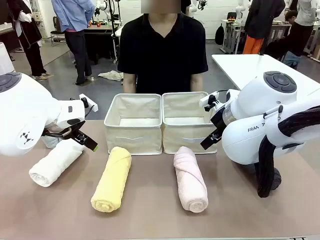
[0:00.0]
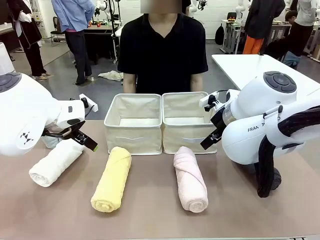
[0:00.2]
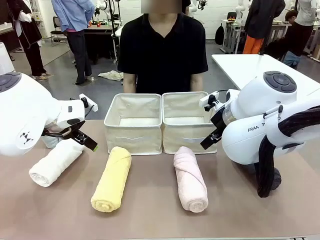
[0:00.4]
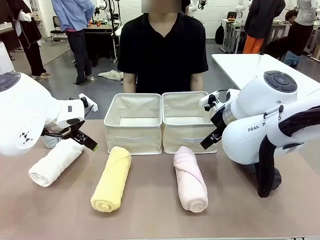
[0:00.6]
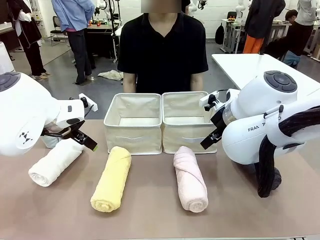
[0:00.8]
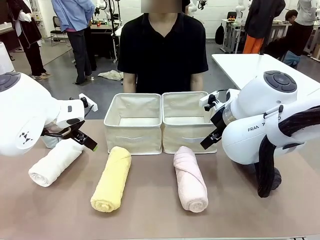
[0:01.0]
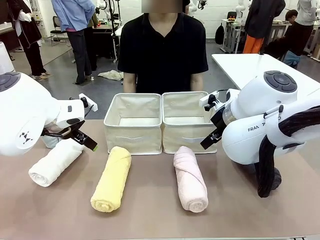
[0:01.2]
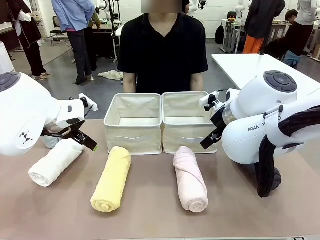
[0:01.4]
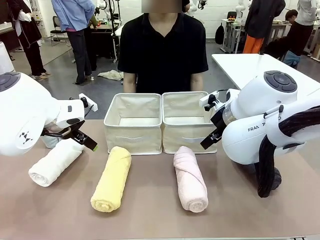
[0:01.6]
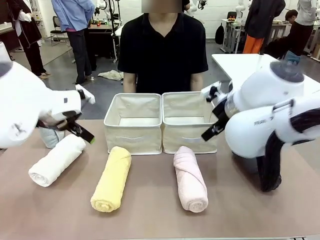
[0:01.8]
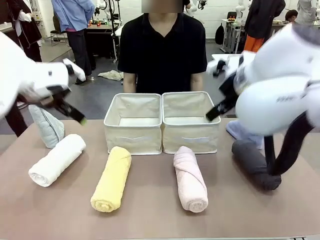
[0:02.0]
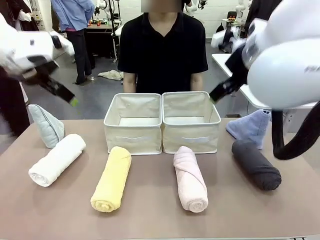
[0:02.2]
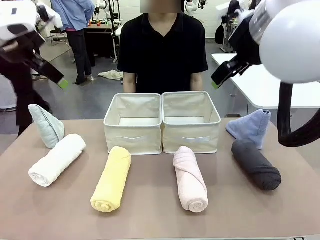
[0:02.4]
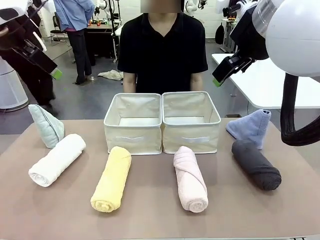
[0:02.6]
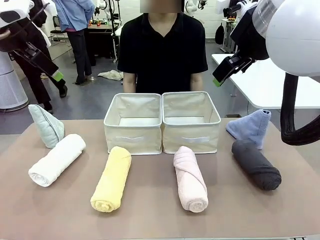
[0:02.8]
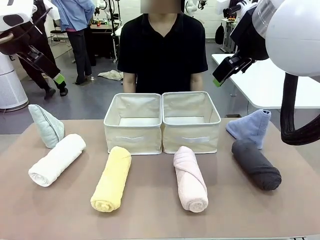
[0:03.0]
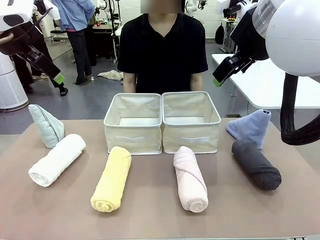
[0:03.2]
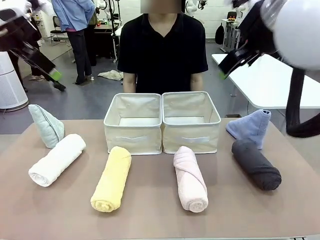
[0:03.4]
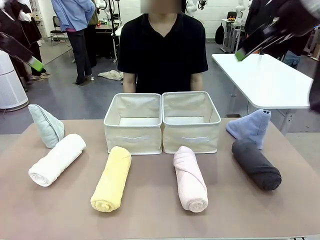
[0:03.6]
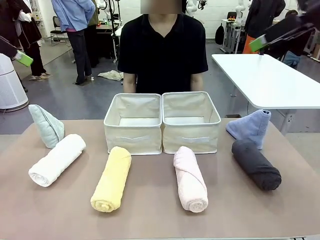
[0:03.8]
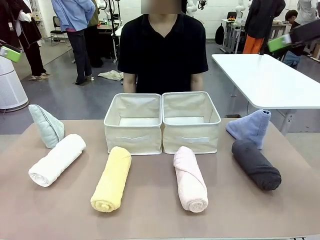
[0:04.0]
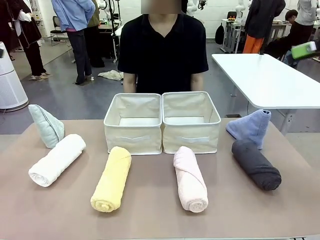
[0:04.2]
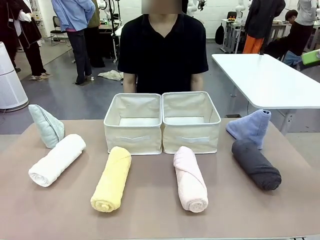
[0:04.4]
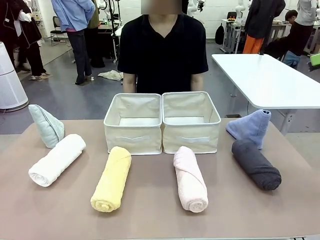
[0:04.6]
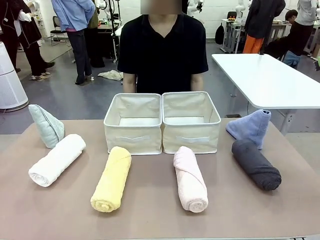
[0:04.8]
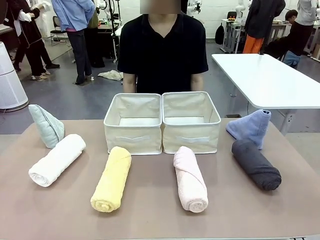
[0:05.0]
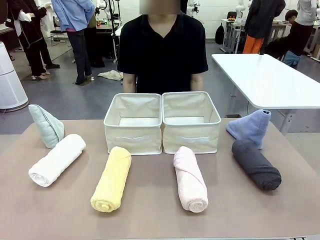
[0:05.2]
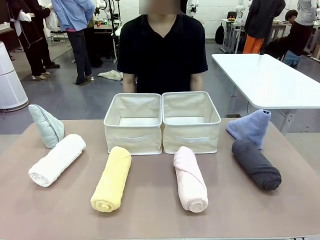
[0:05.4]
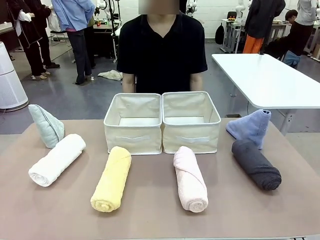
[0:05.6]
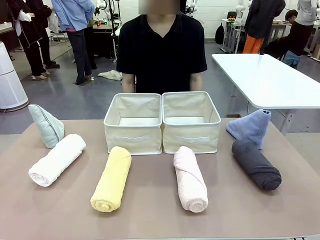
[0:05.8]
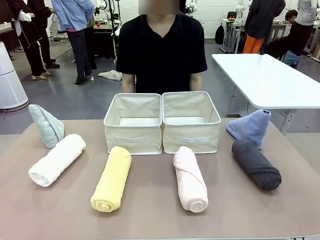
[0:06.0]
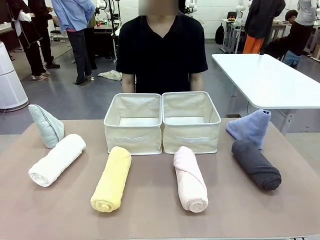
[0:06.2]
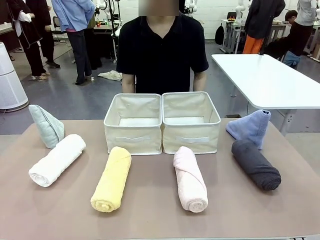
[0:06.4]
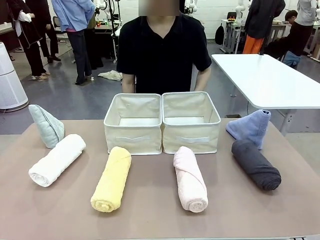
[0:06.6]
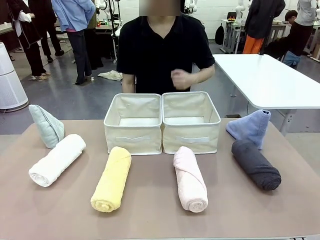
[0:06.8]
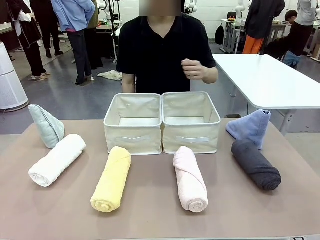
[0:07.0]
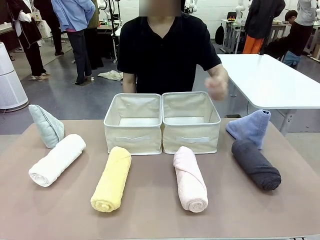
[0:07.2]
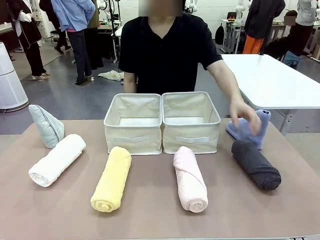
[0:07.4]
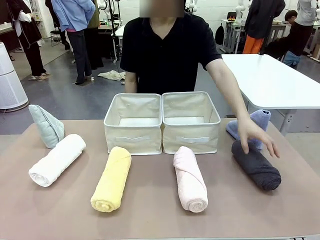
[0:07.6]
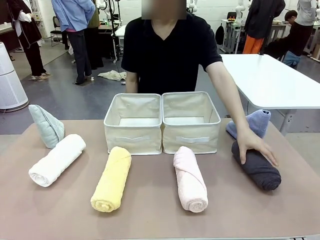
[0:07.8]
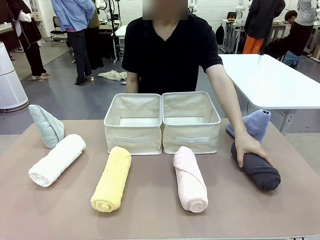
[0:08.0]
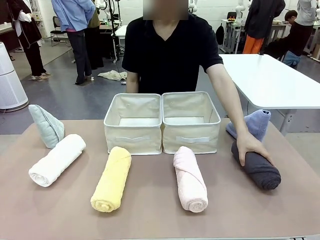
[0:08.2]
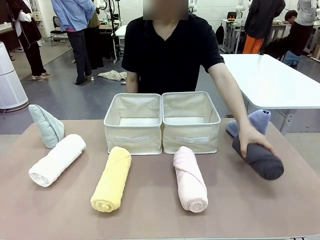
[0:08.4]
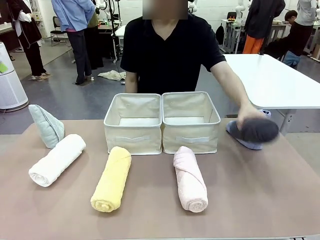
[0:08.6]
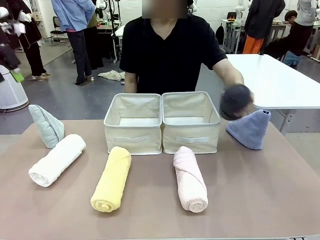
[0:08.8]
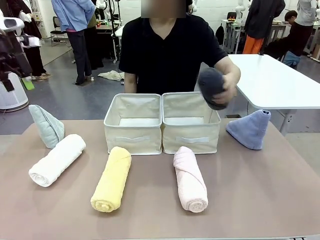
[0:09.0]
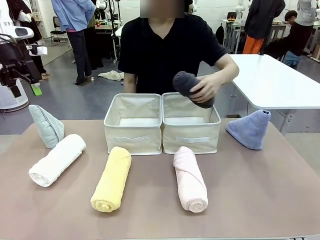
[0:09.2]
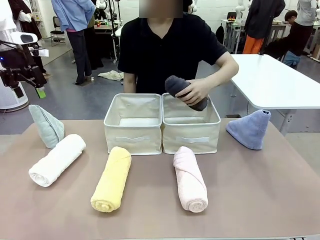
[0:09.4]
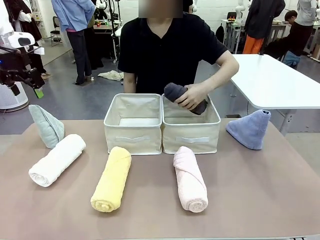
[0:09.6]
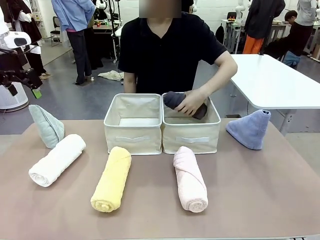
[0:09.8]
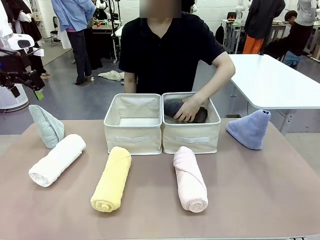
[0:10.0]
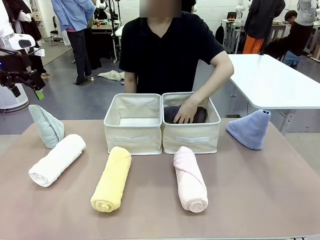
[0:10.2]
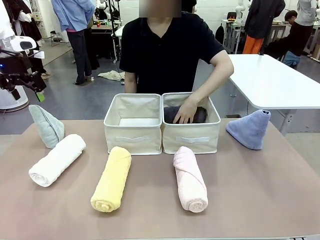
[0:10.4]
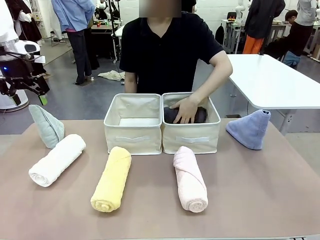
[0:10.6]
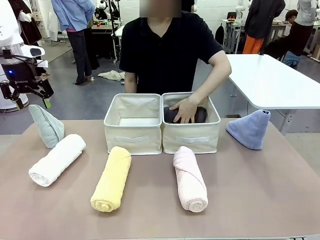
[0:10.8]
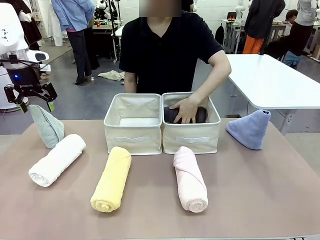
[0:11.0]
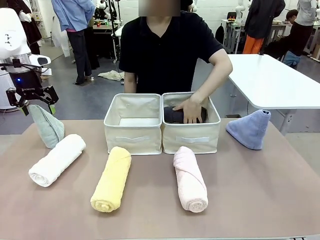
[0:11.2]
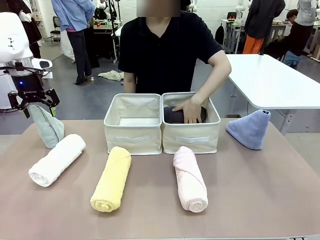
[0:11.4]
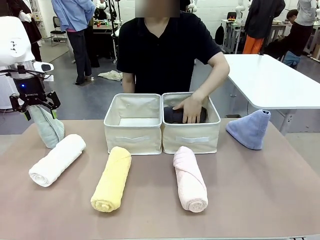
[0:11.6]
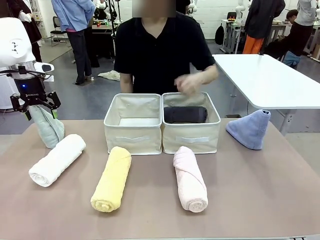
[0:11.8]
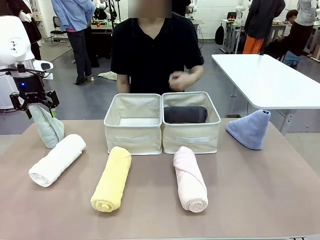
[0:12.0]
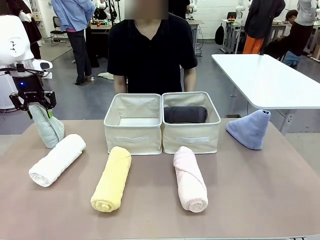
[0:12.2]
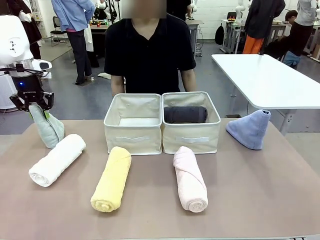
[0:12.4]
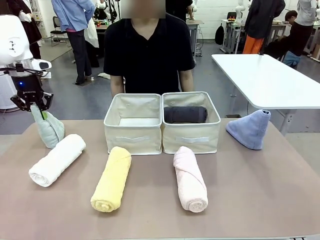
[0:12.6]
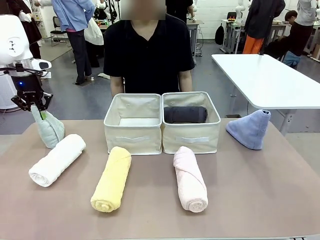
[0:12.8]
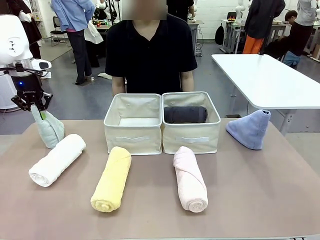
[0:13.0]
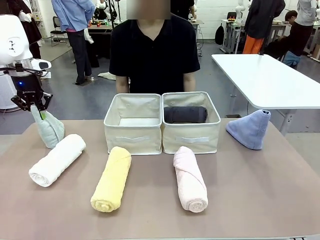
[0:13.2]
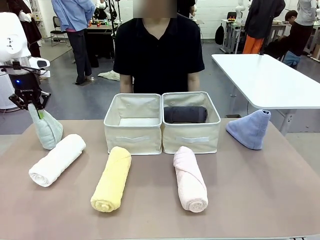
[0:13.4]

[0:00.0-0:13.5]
Task: Sort the towels based on their folding style.
Robot: Pick up one triangle-folded towel and place it in the left Fabric basket.
Person: Pick up one hotel-style rolled towel and place it in the left fabric basket.
